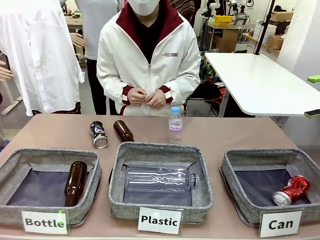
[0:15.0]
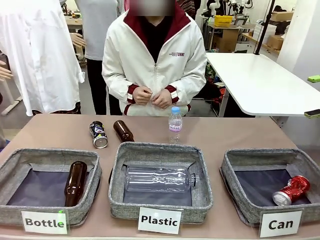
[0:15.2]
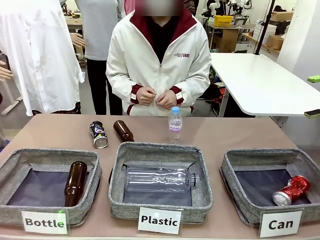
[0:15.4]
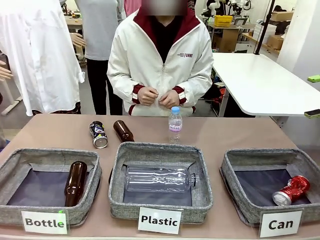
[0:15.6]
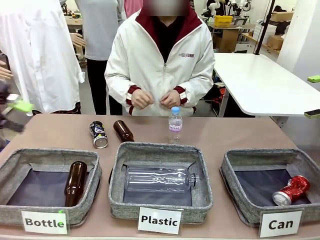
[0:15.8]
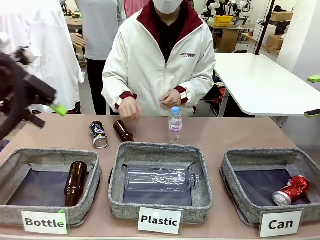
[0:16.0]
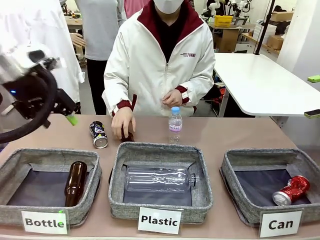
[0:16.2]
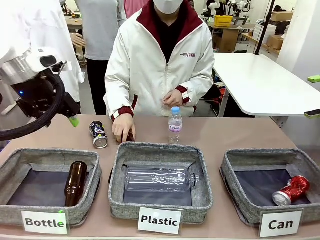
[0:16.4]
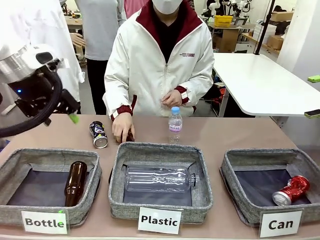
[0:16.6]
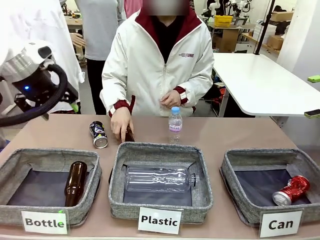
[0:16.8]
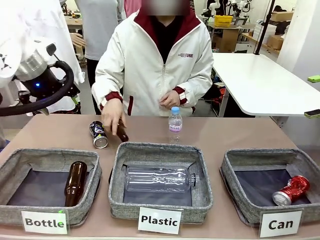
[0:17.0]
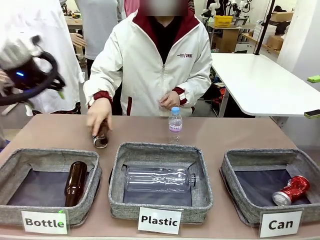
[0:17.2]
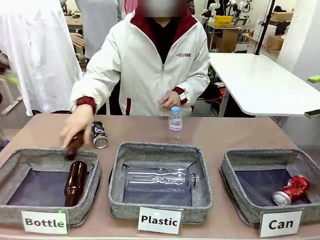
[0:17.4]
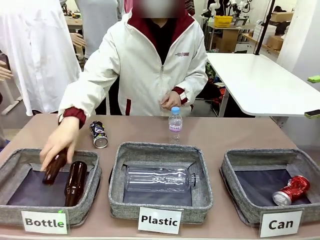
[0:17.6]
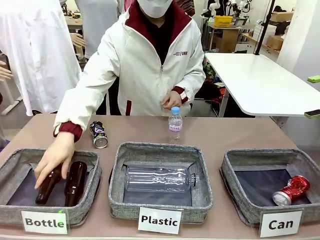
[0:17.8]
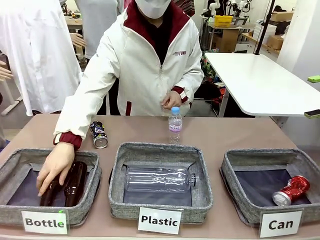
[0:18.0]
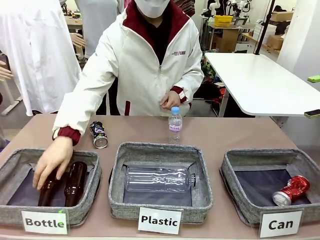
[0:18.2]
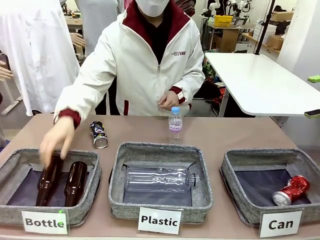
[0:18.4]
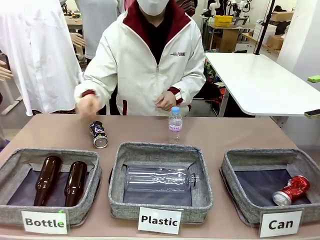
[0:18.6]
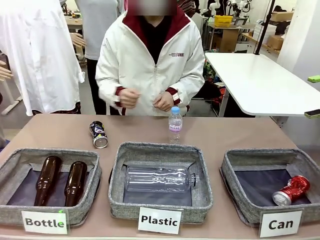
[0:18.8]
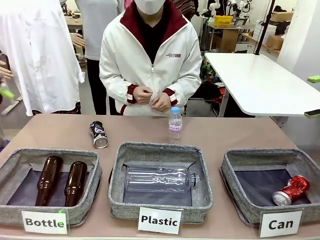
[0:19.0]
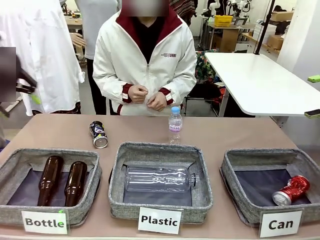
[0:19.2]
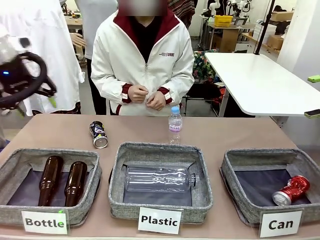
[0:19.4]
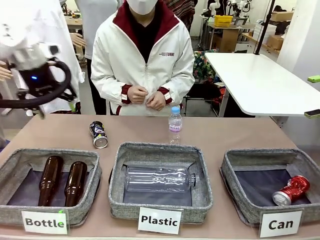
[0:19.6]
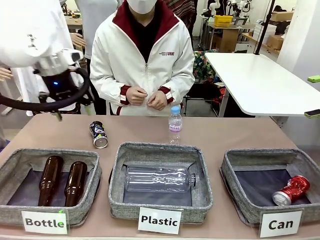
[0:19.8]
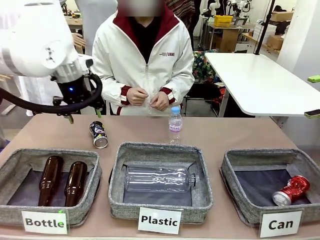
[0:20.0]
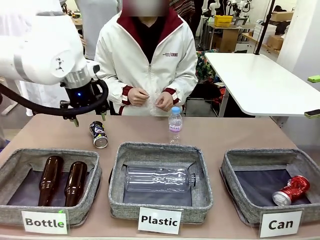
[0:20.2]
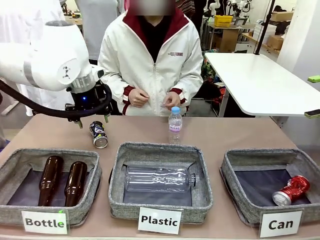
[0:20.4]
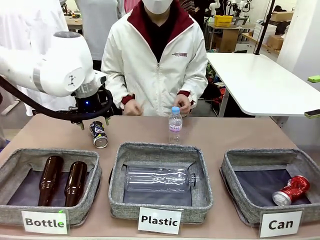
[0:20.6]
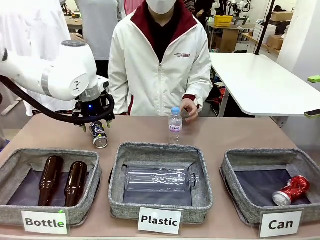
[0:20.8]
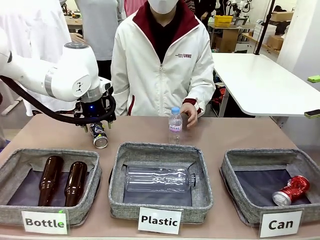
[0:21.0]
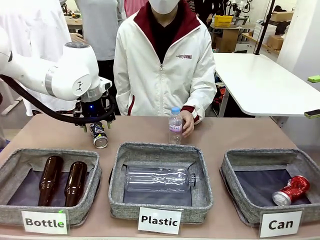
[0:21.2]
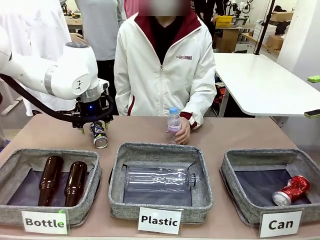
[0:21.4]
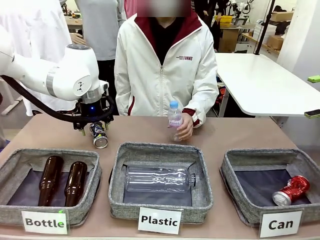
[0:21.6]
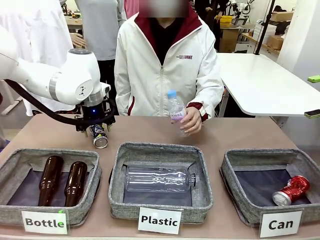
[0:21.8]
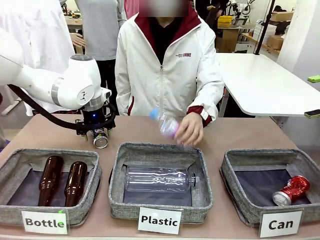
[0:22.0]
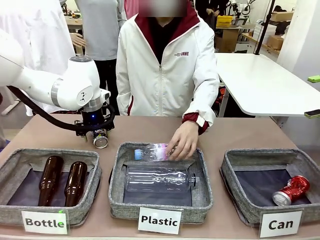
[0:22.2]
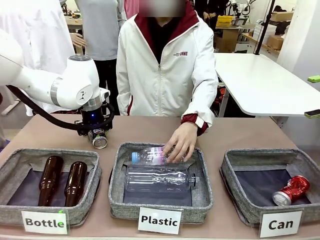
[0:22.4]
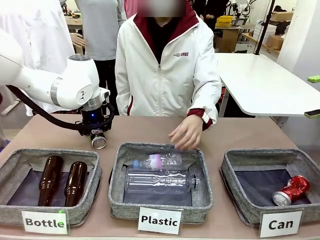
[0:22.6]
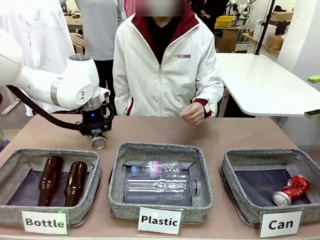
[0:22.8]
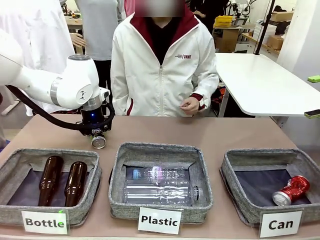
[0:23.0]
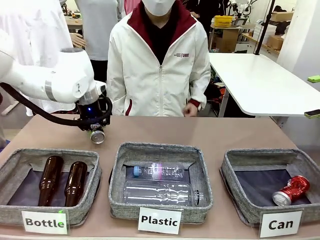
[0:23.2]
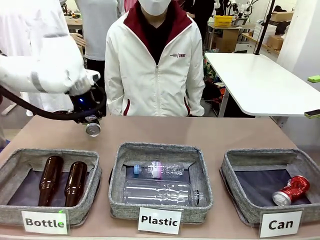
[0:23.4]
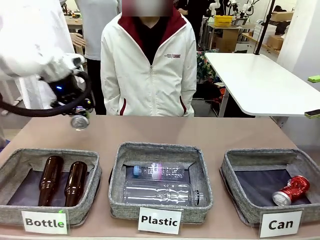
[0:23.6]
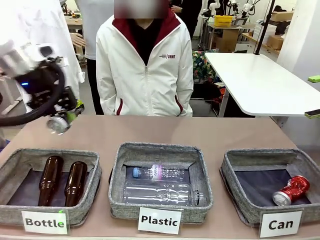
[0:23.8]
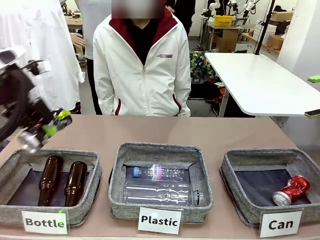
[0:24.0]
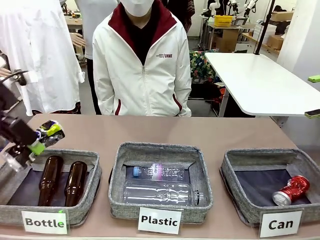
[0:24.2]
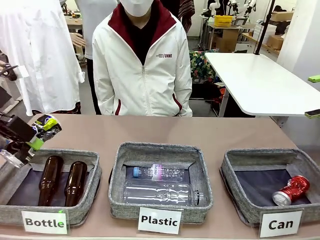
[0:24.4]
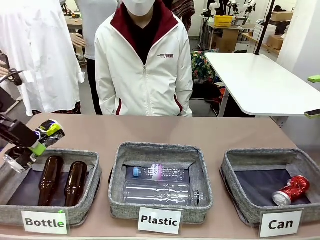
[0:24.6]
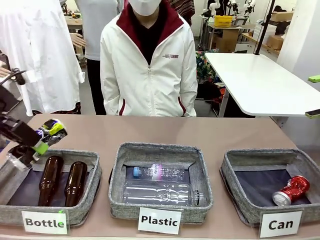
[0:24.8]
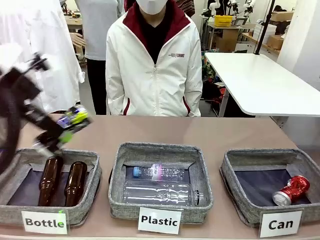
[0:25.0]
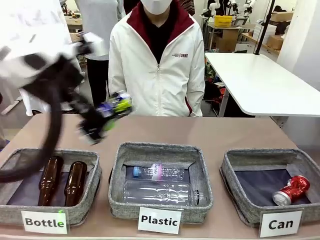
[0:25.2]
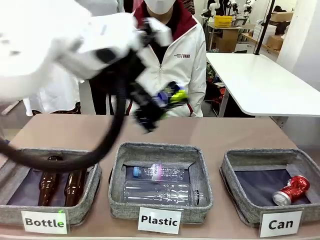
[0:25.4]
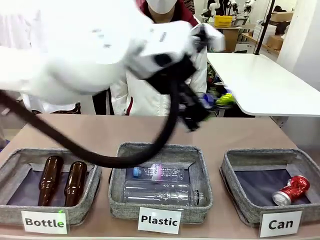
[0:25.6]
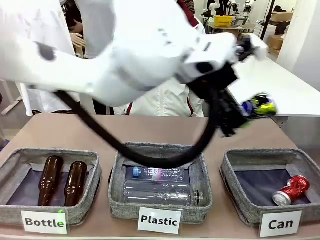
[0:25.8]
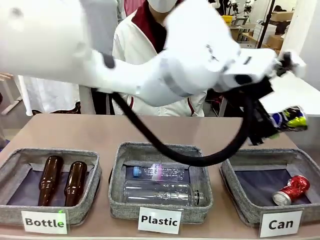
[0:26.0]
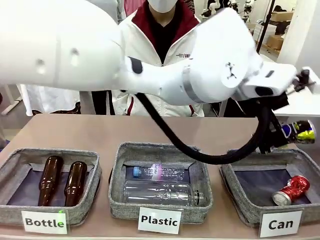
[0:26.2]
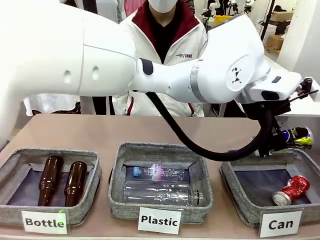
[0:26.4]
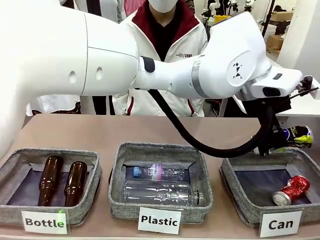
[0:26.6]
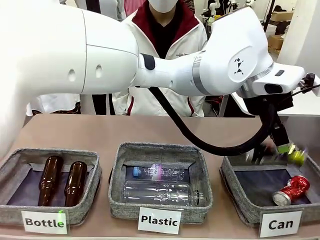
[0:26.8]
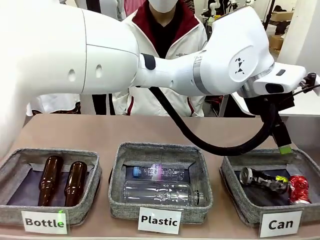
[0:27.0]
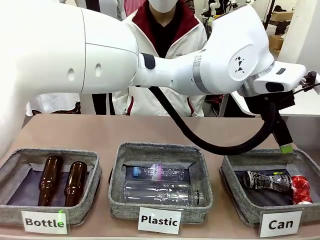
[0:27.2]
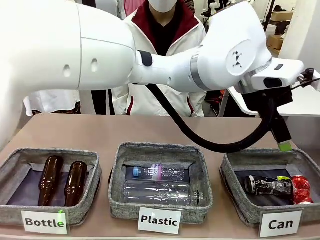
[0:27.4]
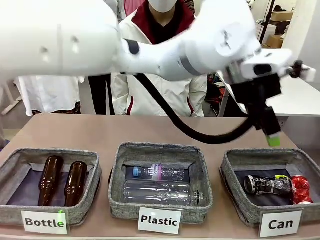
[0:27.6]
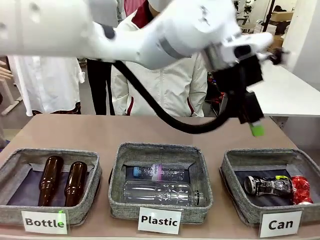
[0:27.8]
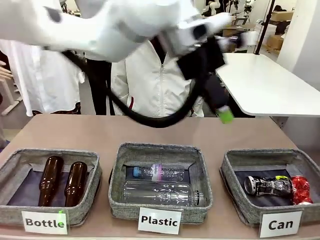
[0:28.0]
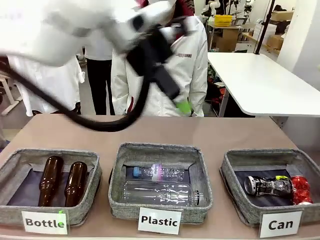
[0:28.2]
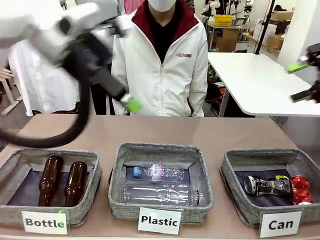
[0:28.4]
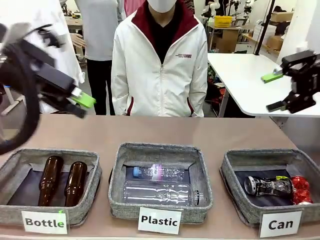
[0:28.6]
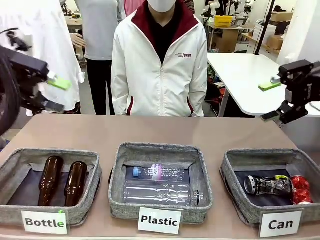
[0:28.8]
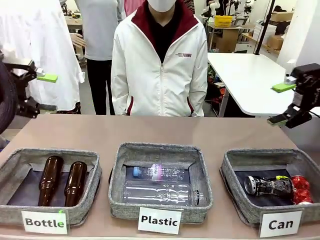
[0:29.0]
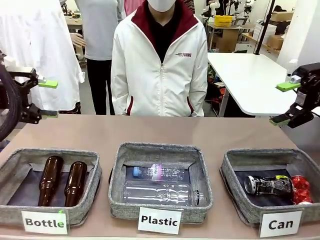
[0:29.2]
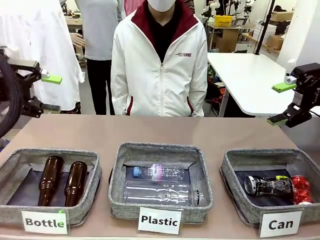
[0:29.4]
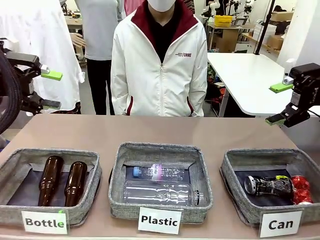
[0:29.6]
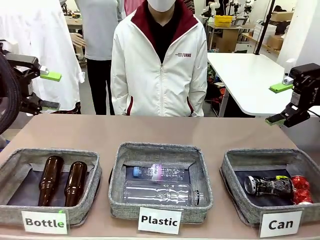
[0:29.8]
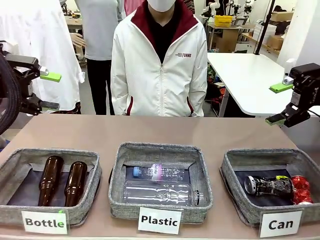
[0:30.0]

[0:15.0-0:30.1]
Task: Sort the can waste into the basket.
Robot: Pick up the can waste from the table and place it in the right Fabric basket.
Person: The human picks up one piece of trash that is not a can and places the trash into the appropriate organizing basket.
